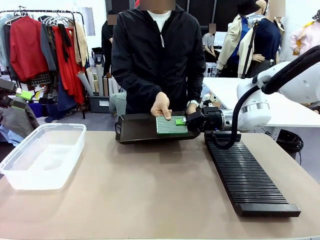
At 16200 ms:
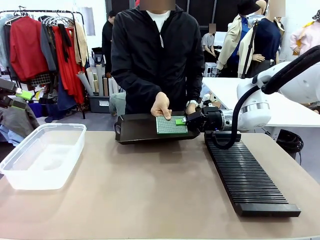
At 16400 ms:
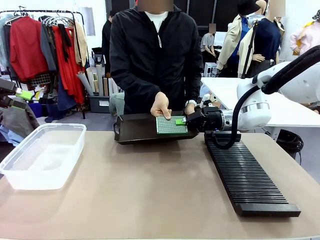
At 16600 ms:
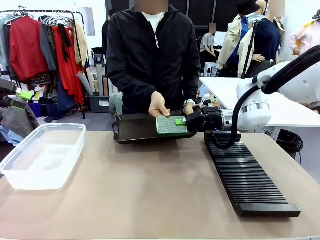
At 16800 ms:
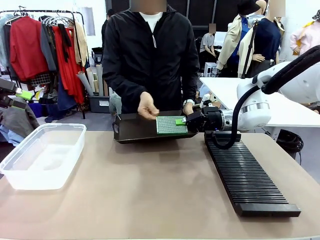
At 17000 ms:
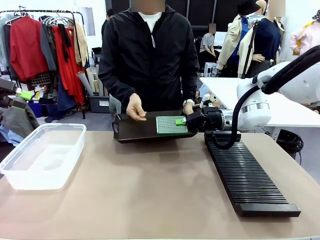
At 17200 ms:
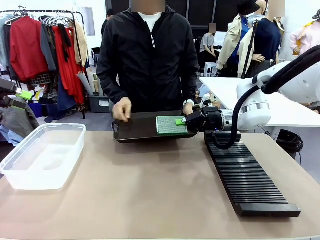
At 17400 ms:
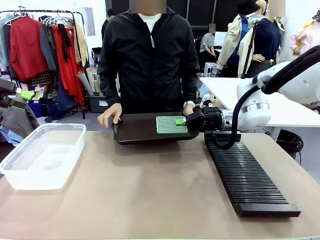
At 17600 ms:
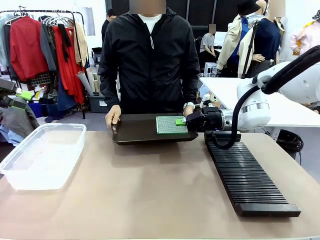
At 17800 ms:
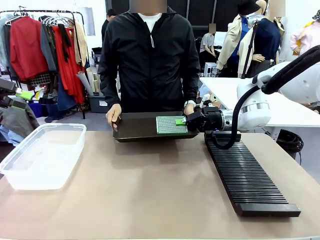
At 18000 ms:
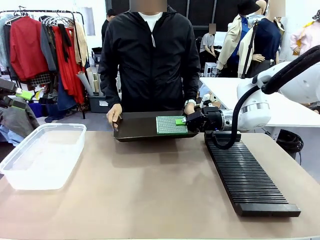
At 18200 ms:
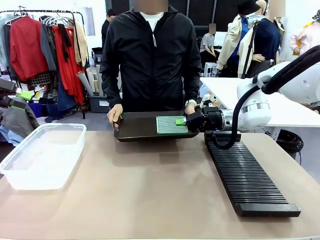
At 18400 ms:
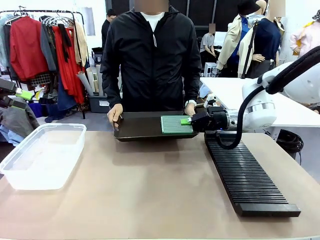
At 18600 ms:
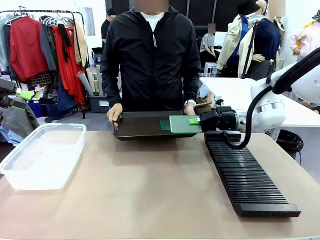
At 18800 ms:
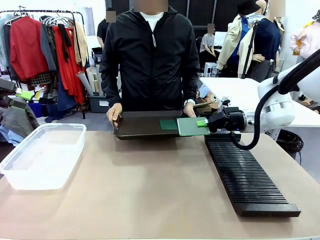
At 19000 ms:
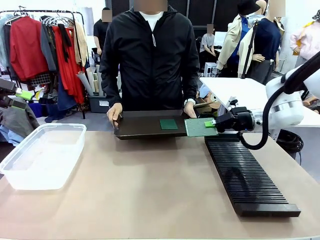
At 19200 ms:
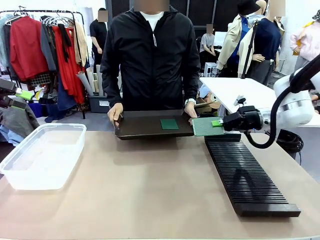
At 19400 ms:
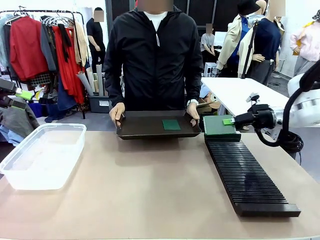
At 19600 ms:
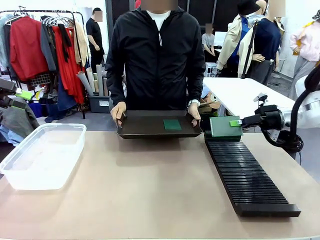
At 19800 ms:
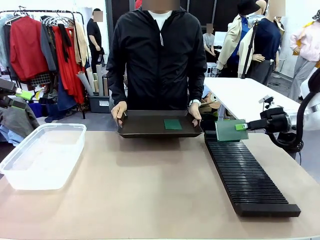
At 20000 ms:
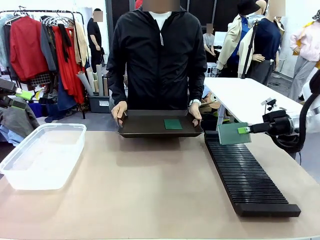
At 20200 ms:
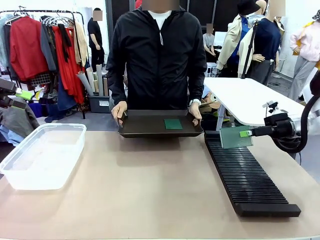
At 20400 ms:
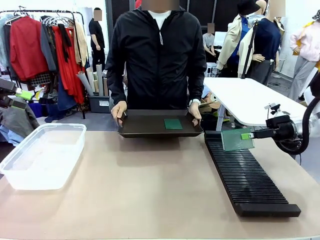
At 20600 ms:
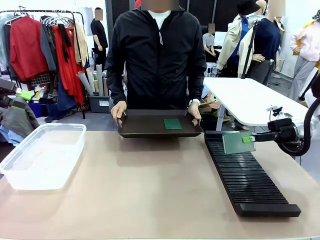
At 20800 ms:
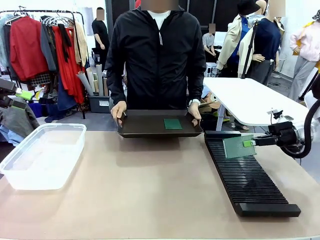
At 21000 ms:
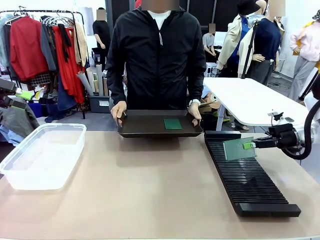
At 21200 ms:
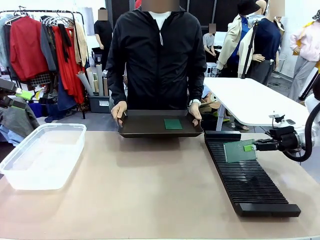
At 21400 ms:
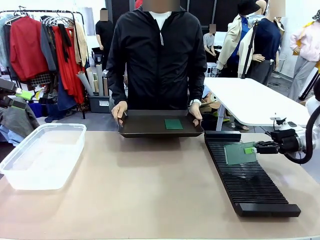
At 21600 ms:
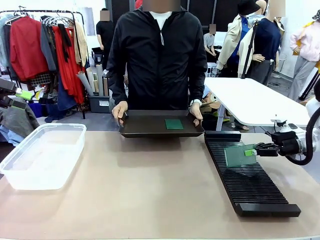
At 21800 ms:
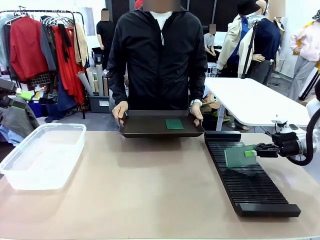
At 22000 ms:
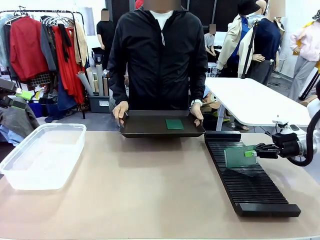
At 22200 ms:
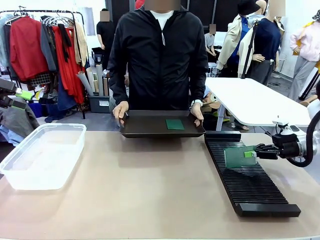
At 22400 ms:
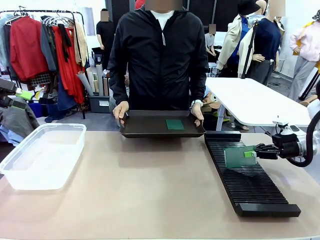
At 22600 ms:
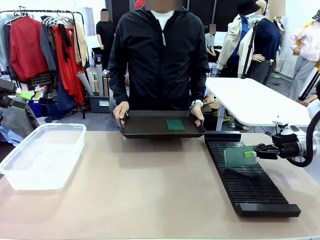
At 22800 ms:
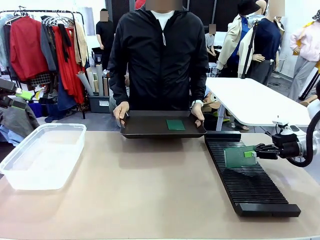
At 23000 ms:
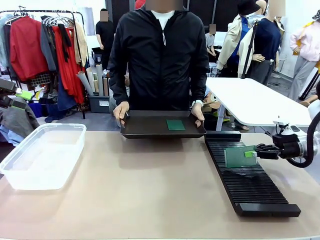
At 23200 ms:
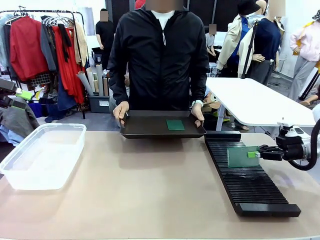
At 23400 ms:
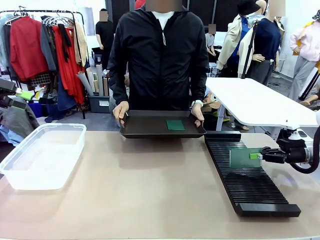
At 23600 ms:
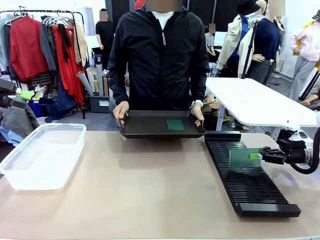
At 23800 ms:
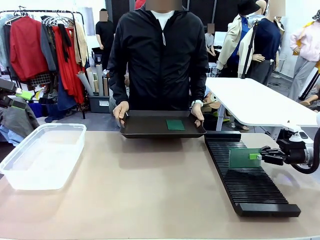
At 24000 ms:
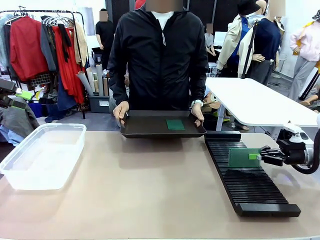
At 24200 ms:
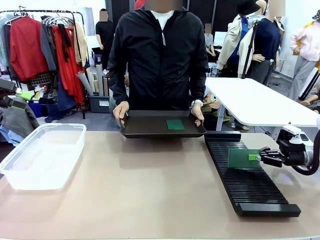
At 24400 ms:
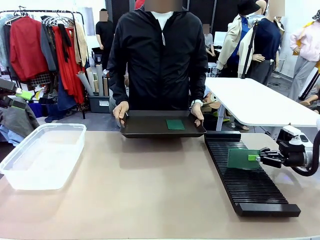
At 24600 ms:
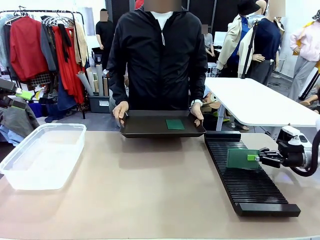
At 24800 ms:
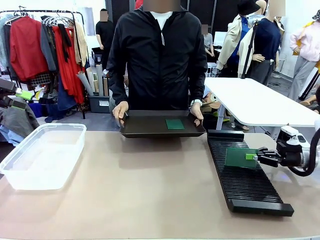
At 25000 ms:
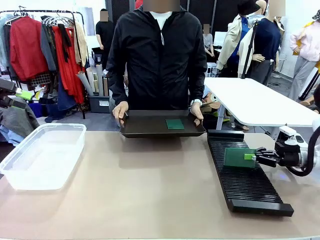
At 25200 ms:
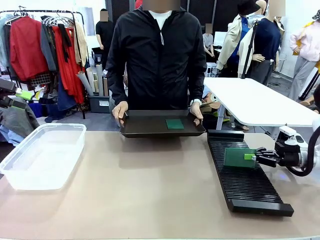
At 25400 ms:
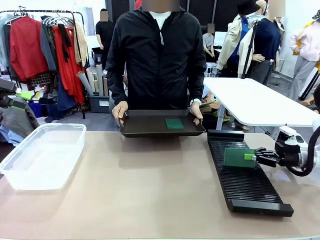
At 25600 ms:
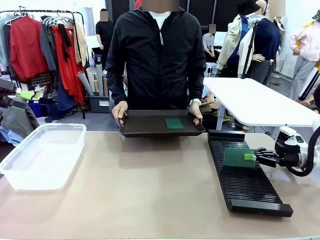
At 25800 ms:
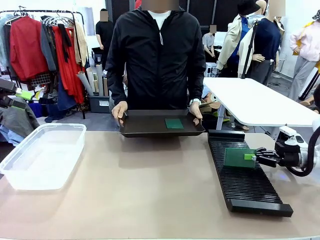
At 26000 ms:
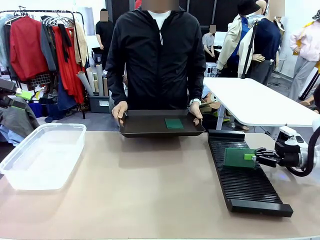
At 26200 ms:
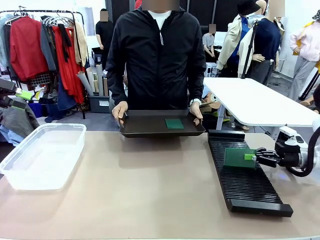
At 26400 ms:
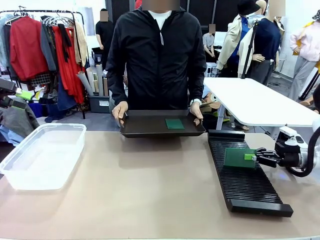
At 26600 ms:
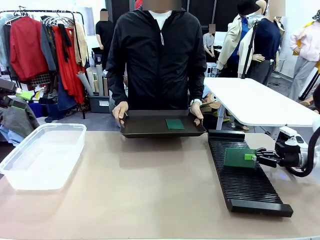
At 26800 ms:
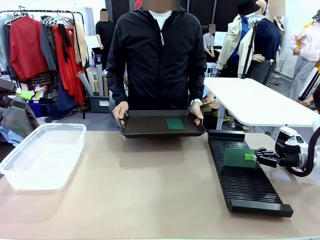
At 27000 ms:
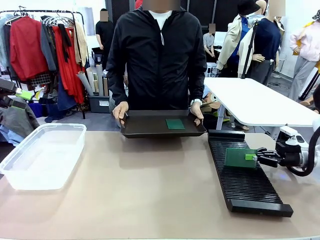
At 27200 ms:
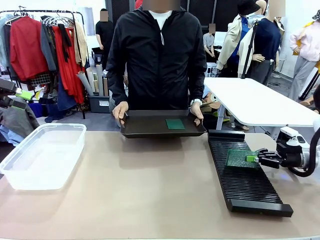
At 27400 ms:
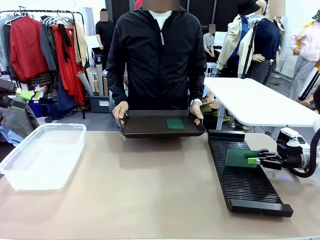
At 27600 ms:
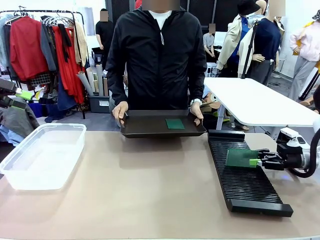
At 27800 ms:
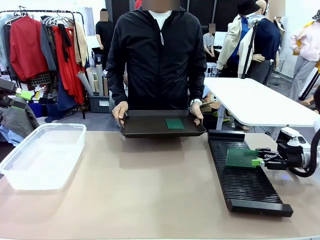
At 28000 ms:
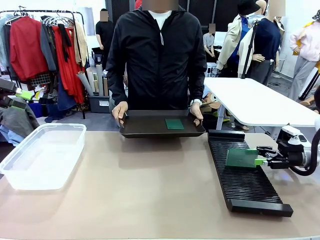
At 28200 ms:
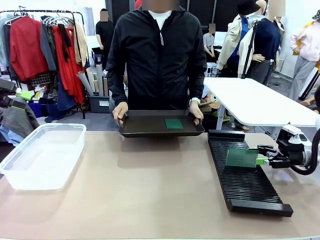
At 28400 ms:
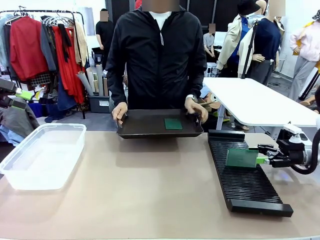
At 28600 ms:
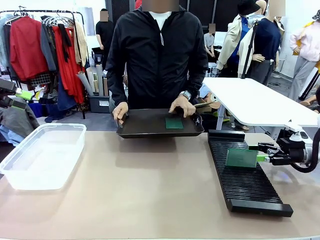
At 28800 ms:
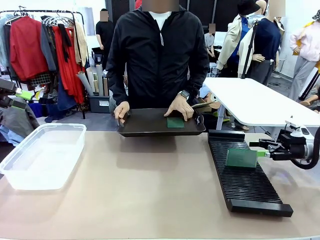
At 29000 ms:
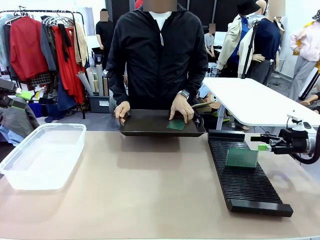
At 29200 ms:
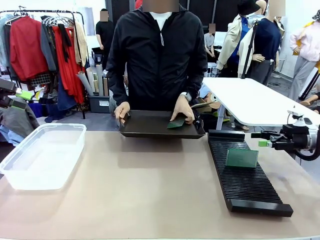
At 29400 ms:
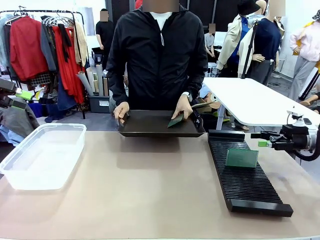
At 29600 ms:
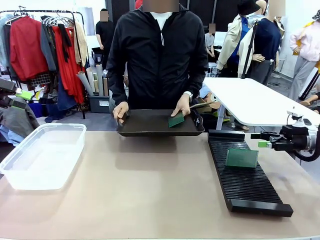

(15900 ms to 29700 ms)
Task: Sort PCBs into racks and boxes based on the side picked up.
Robot: If the short side of the Blank PCB is picked up, insert it into the PCB Rack ; if the long side is picked up, place it in the Organizing box.
Person: Pick one PCB from the tray and present it to the robot.

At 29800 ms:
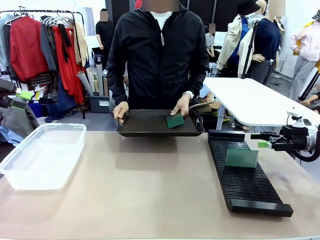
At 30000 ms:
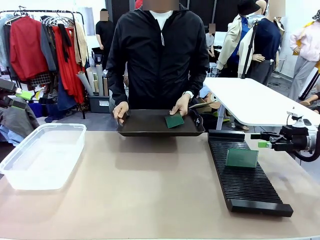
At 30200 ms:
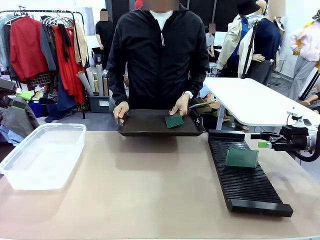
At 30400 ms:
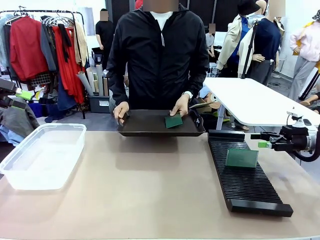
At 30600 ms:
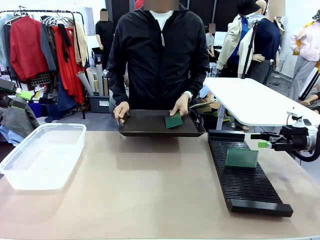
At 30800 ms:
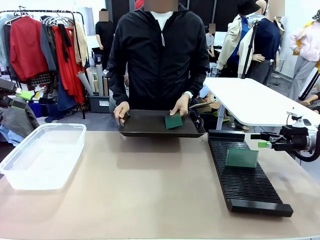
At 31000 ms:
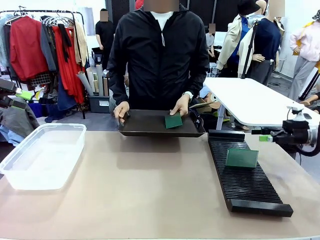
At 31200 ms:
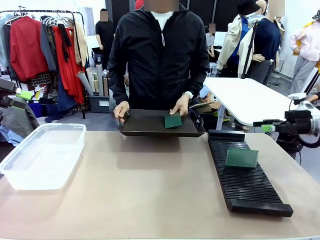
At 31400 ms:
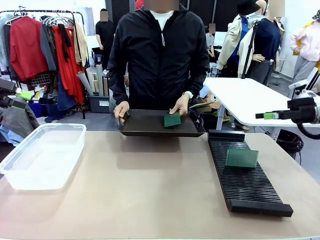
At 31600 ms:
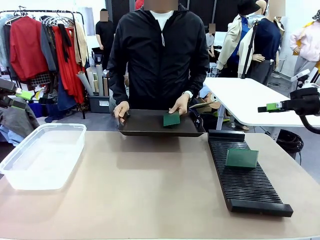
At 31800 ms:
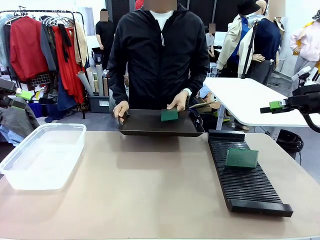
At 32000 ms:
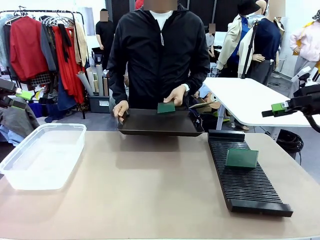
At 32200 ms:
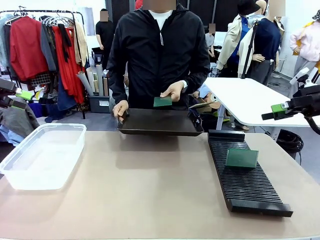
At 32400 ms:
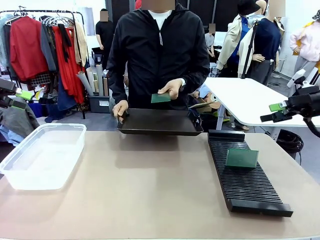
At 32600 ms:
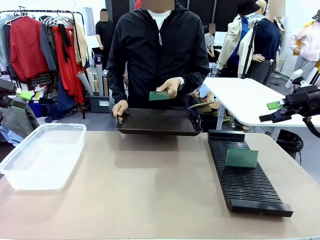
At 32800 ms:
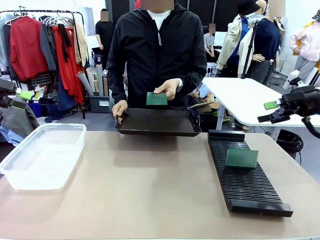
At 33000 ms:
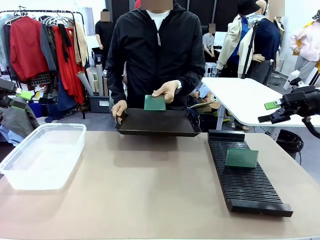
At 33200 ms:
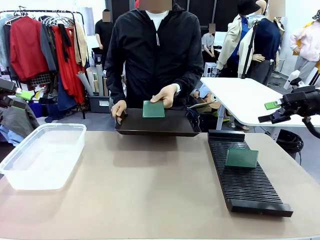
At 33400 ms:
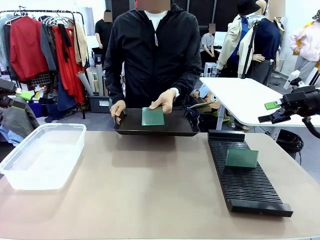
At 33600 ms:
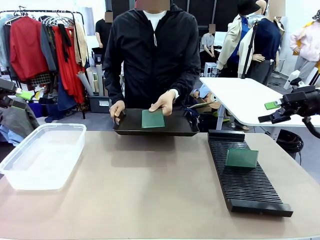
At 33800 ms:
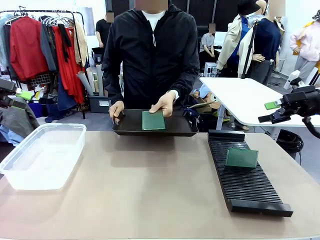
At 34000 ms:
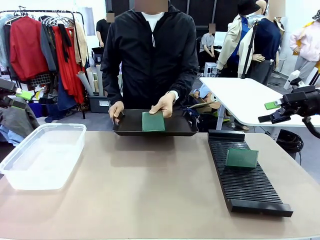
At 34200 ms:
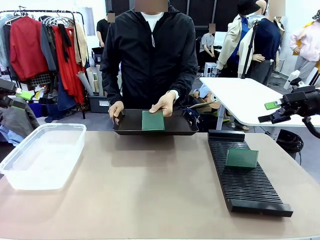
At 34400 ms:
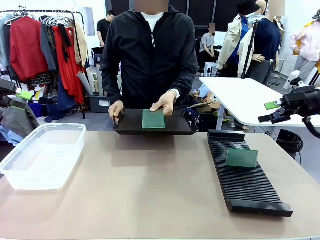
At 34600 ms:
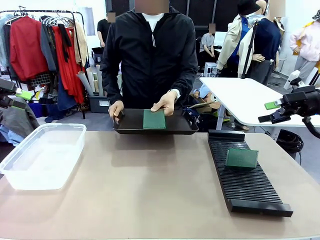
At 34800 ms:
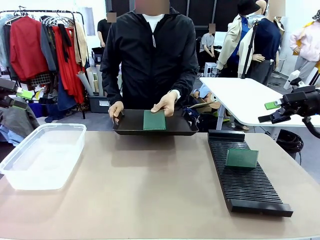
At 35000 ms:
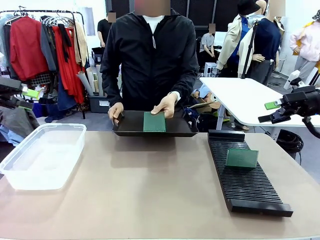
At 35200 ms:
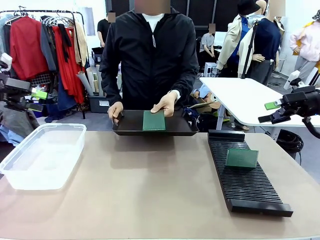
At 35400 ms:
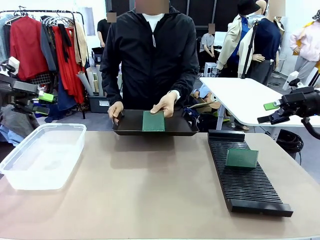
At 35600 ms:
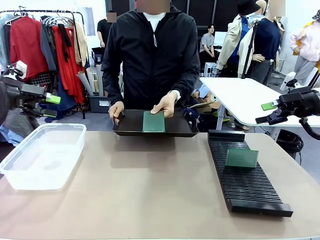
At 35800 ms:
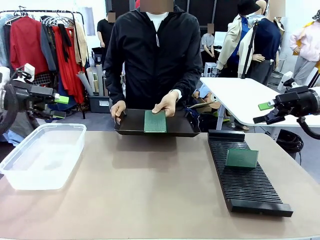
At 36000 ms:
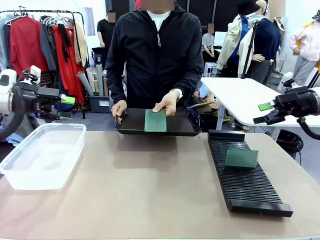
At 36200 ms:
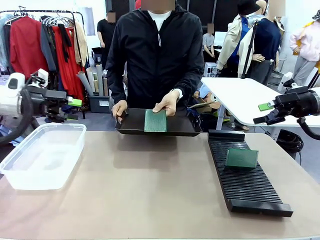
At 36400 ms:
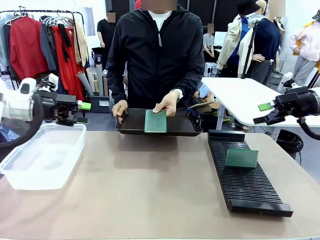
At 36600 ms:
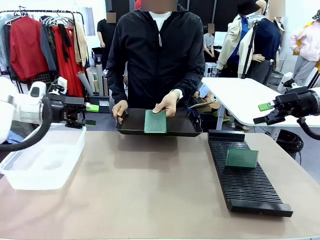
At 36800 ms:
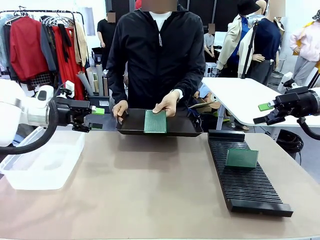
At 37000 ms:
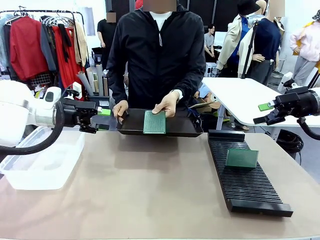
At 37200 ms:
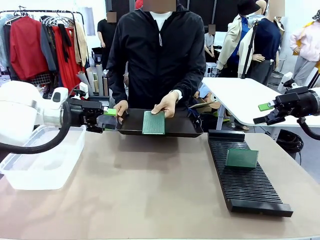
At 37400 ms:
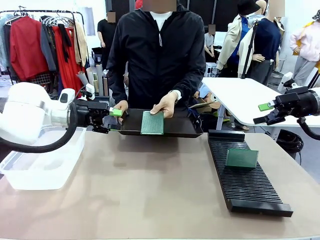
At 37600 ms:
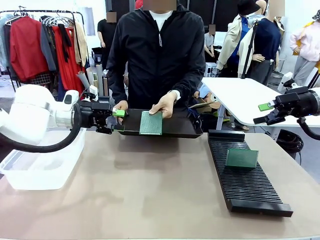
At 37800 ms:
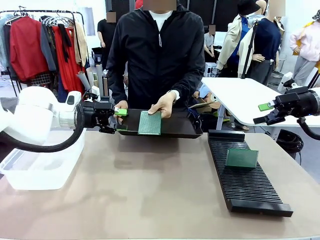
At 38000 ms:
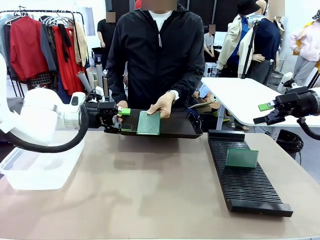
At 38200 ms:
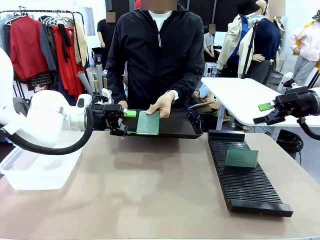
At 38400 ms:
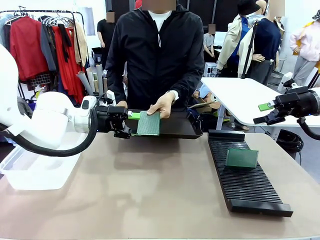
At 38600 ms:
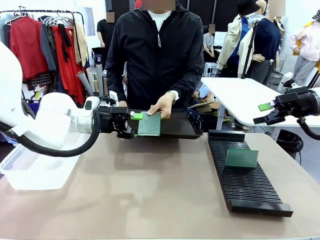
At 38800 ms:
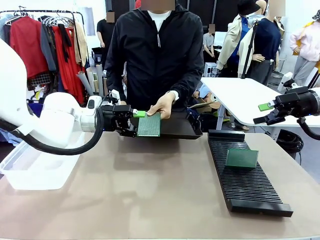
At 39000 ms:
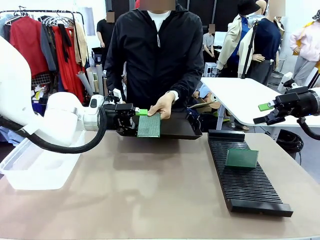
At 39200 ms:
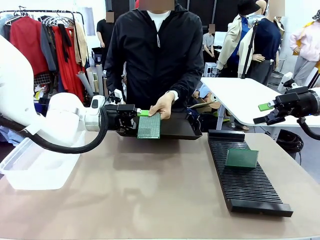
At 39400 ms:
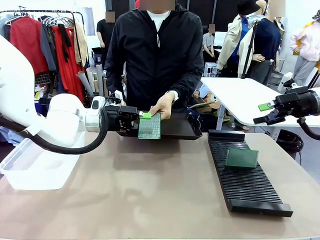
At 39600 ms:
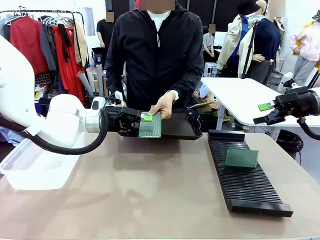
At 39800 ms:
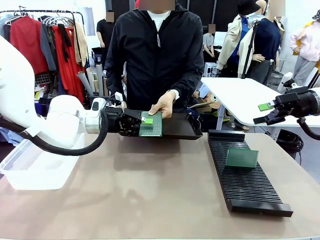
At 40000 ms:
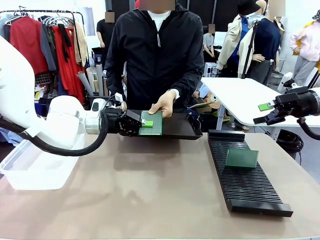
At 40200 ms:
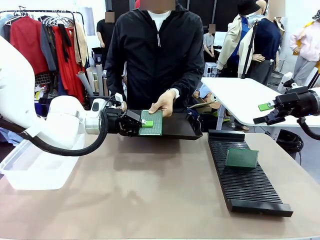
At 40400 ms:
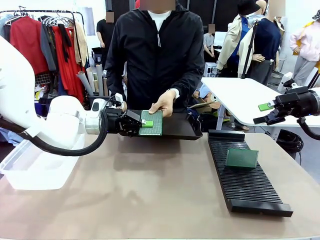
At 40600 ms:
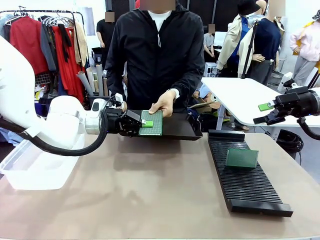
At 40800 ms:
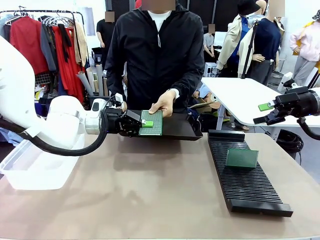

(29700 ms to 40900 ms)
Robot: Pick up the Blank PCB handed by the Human.
